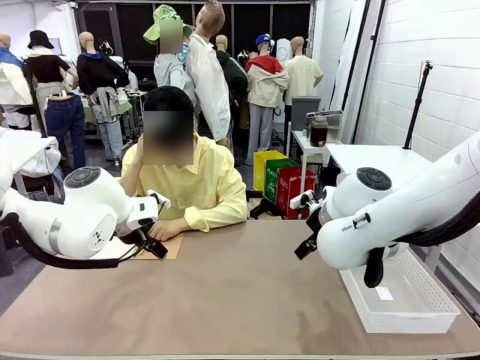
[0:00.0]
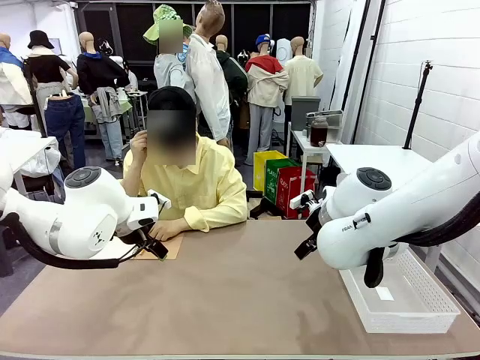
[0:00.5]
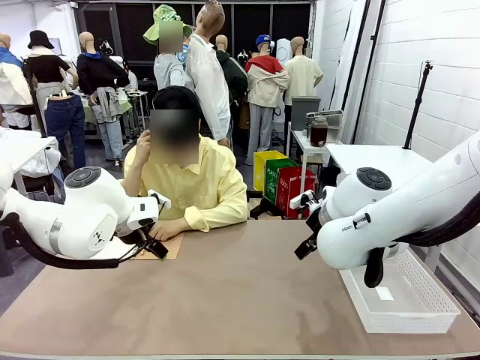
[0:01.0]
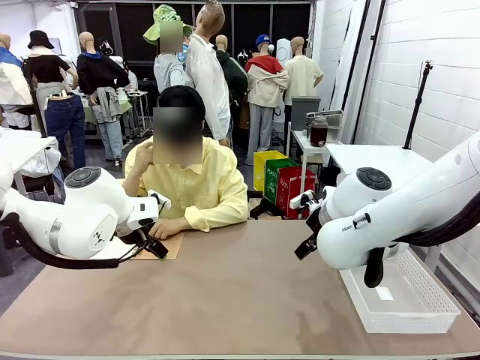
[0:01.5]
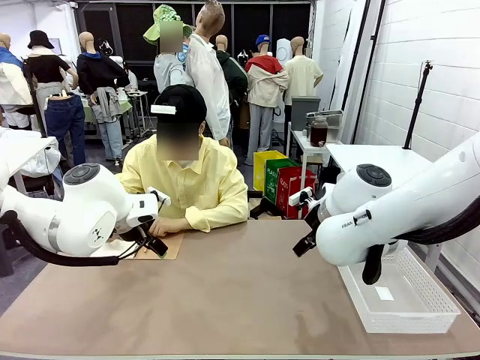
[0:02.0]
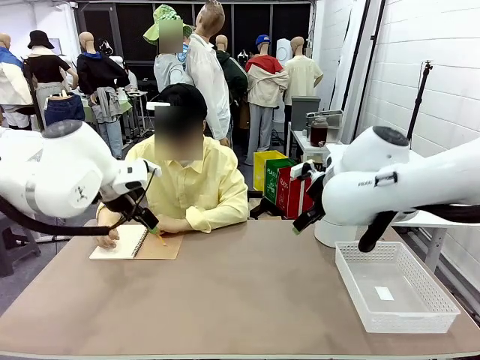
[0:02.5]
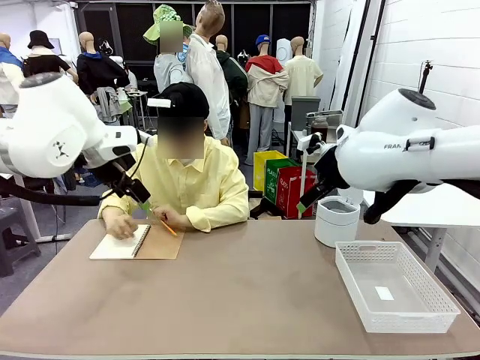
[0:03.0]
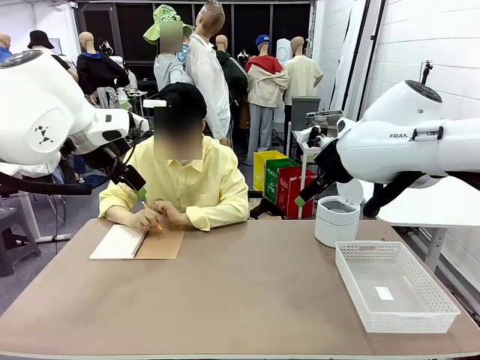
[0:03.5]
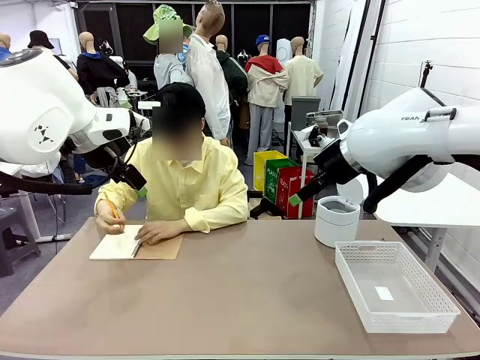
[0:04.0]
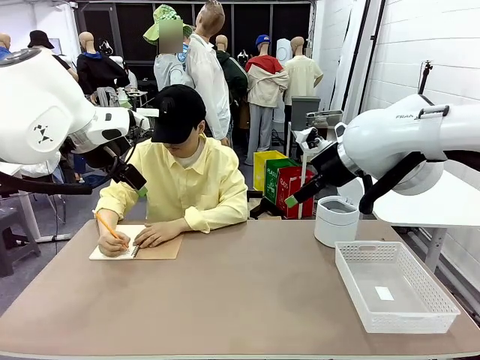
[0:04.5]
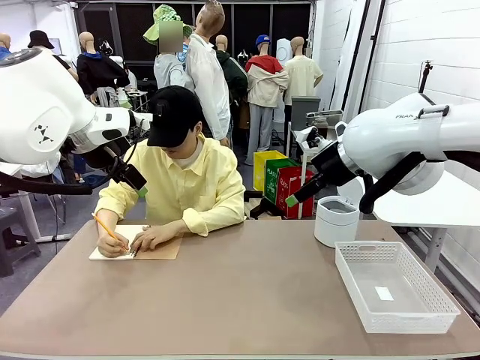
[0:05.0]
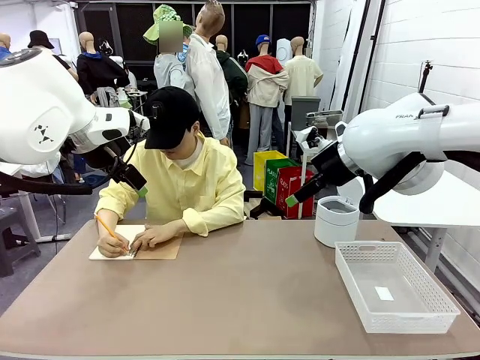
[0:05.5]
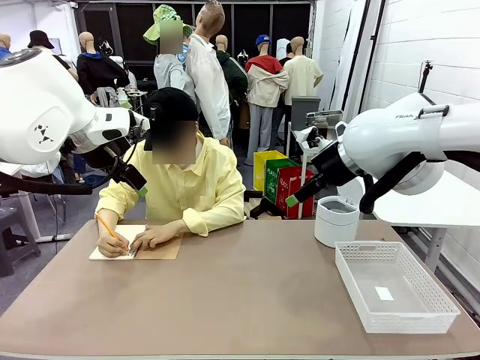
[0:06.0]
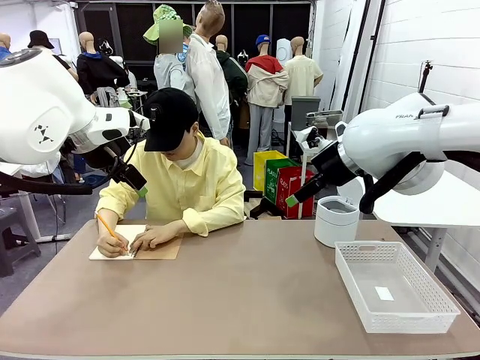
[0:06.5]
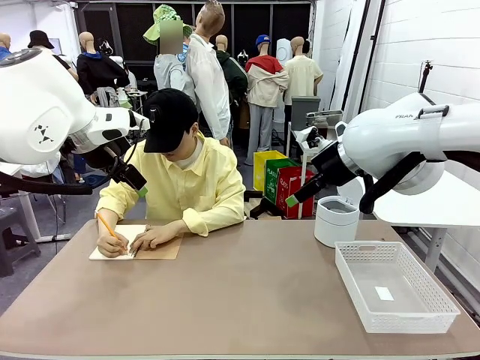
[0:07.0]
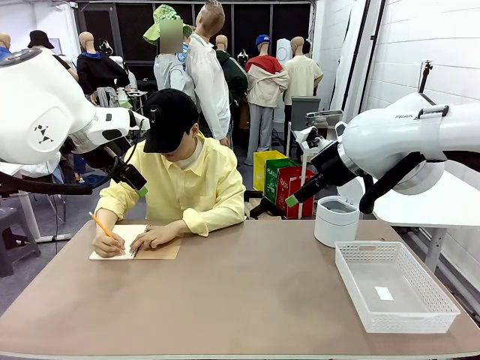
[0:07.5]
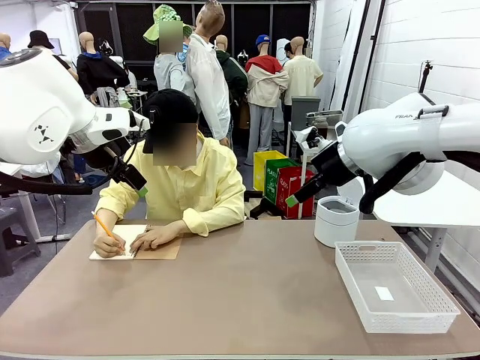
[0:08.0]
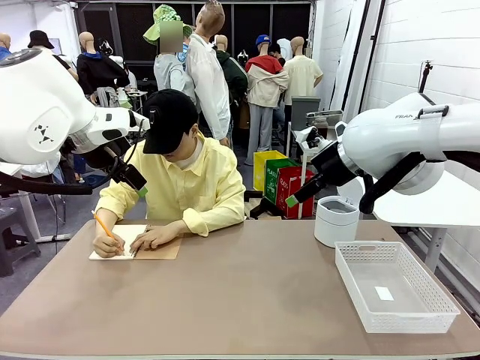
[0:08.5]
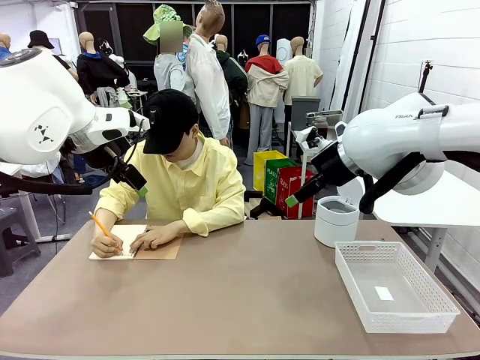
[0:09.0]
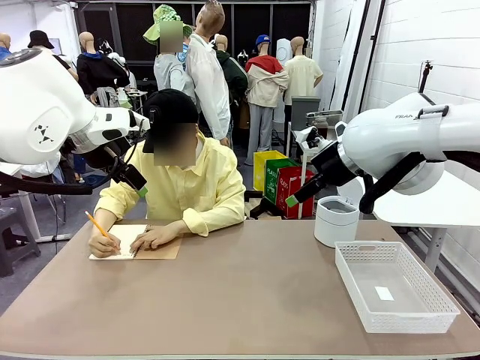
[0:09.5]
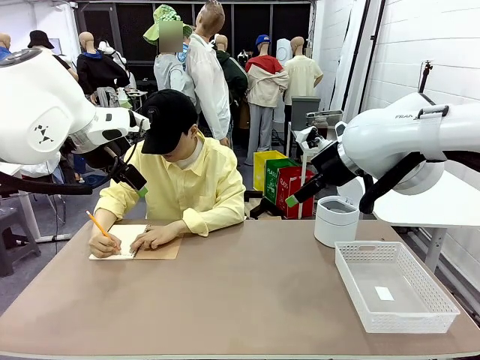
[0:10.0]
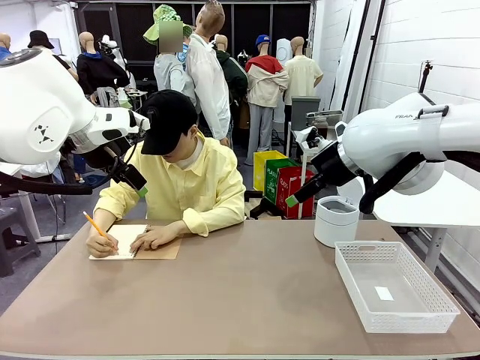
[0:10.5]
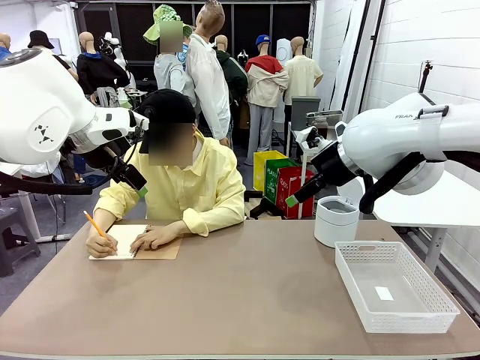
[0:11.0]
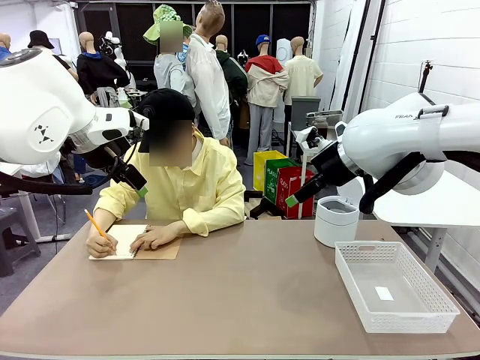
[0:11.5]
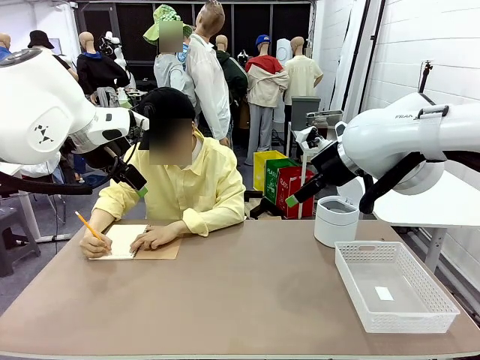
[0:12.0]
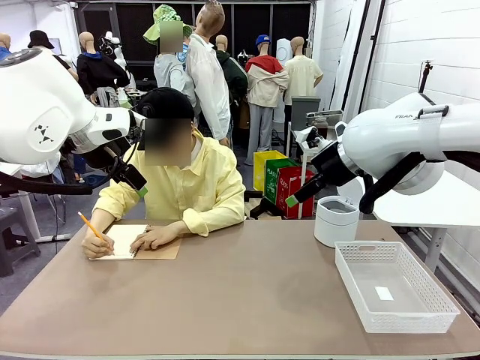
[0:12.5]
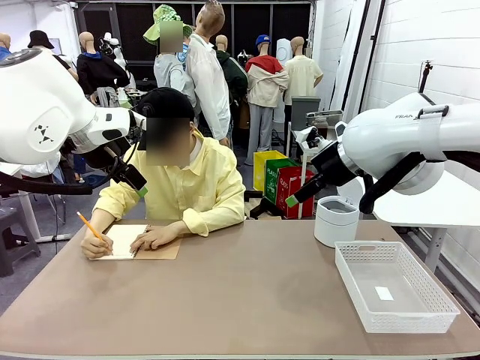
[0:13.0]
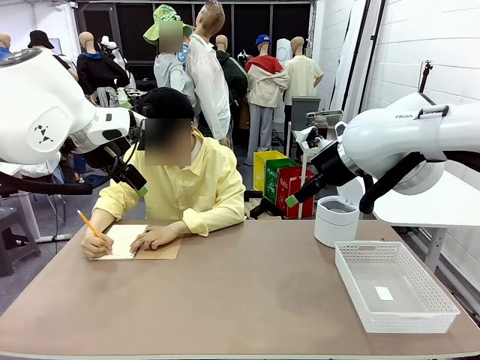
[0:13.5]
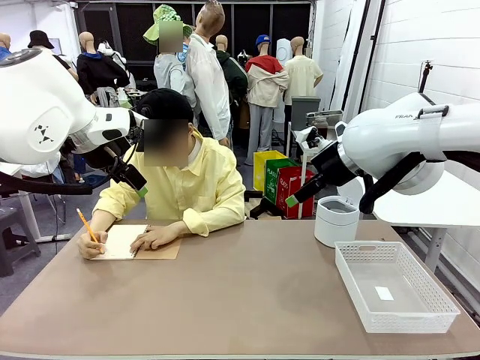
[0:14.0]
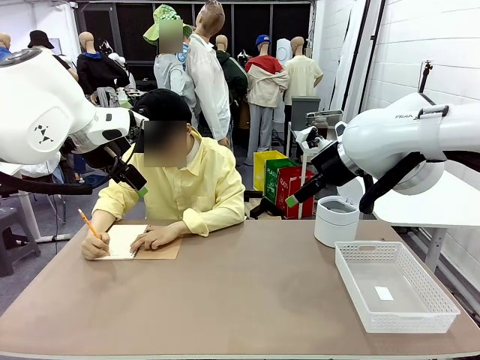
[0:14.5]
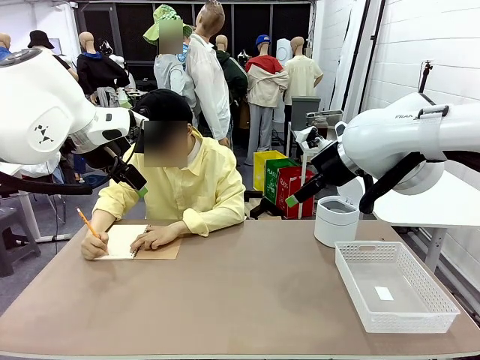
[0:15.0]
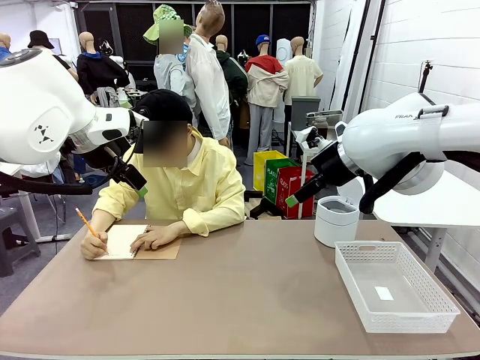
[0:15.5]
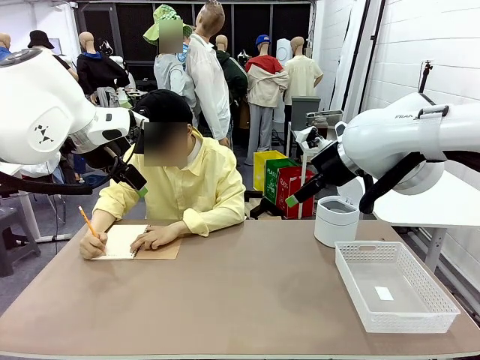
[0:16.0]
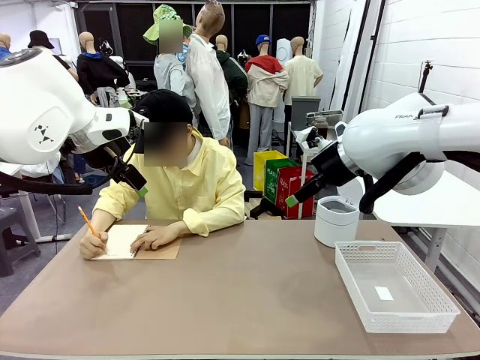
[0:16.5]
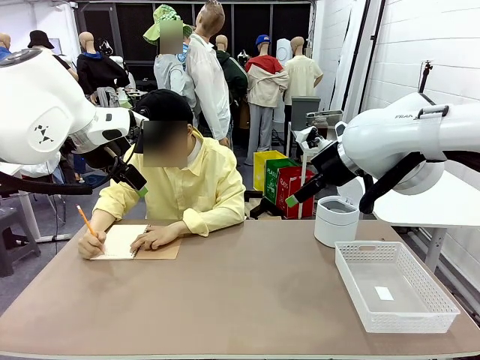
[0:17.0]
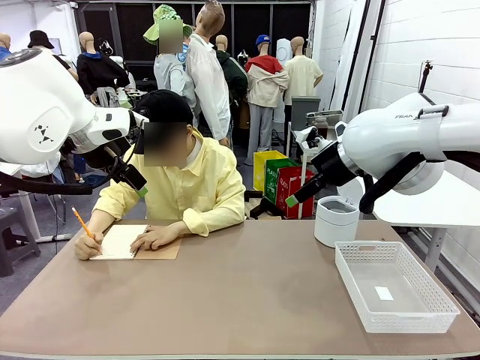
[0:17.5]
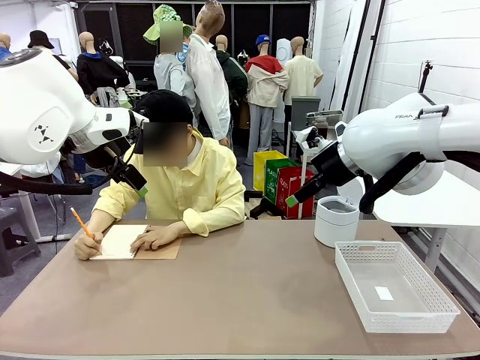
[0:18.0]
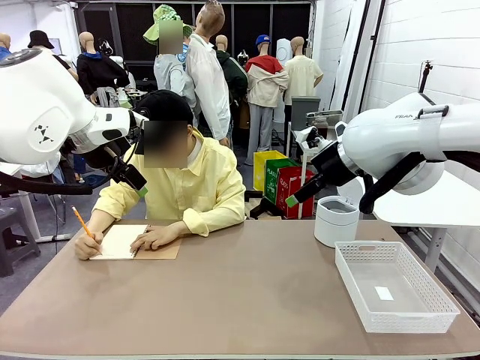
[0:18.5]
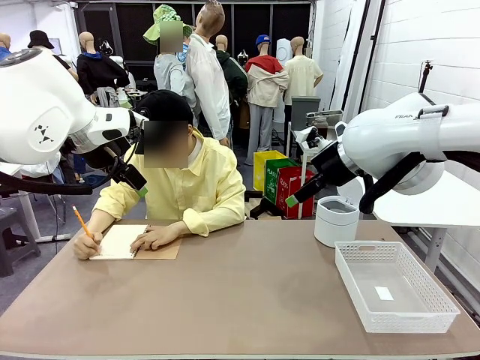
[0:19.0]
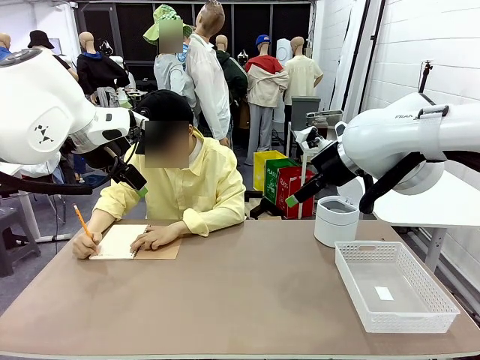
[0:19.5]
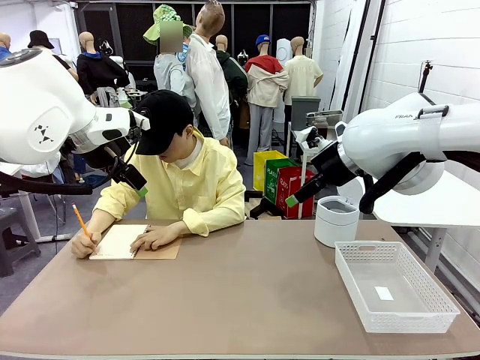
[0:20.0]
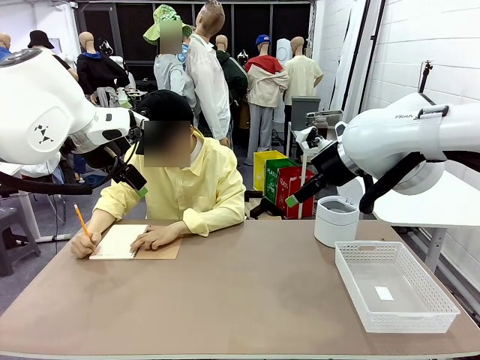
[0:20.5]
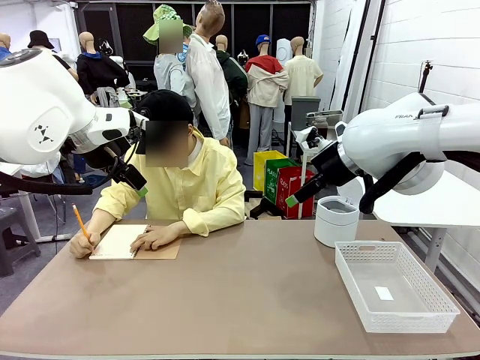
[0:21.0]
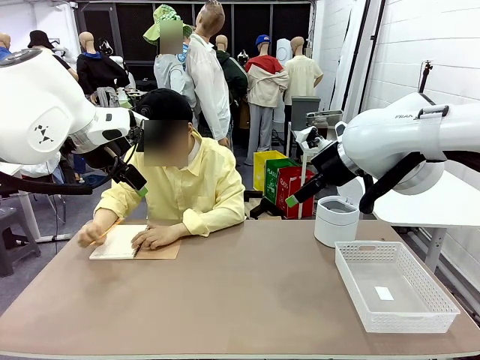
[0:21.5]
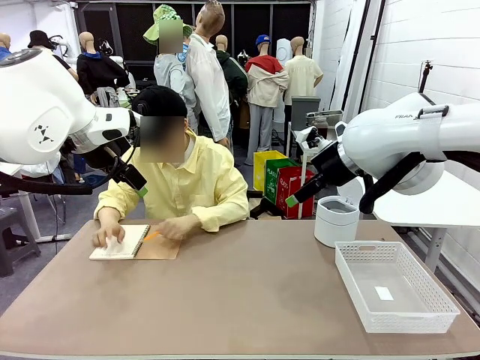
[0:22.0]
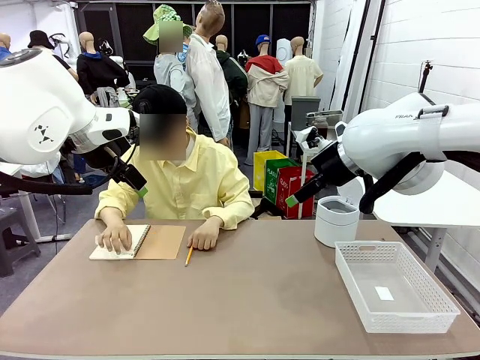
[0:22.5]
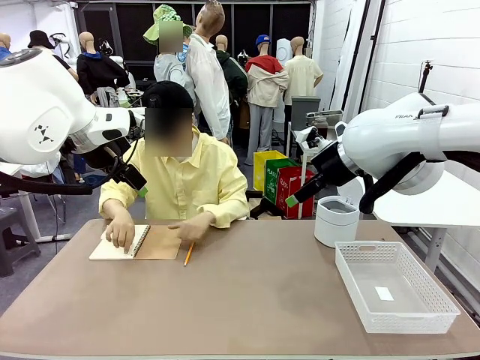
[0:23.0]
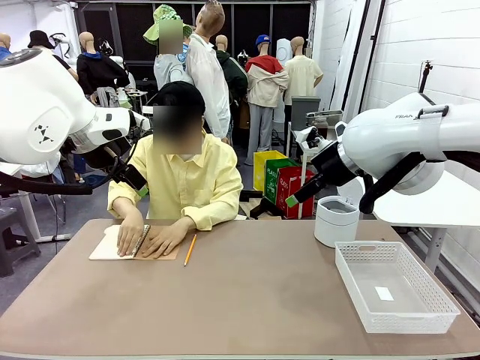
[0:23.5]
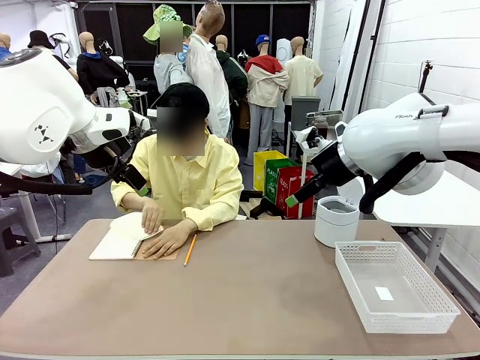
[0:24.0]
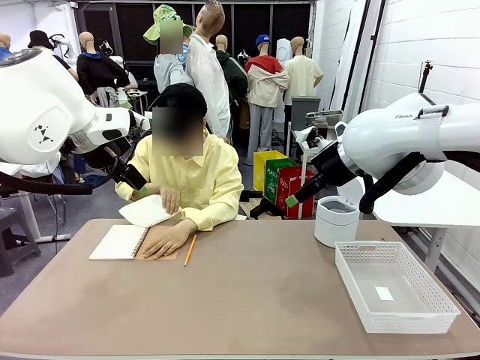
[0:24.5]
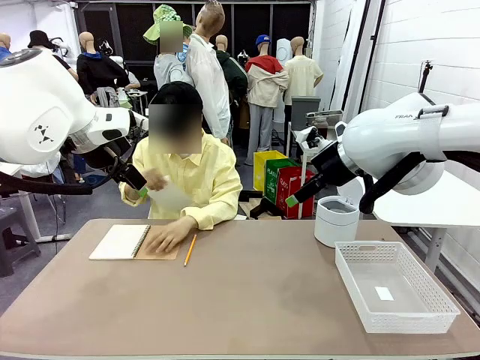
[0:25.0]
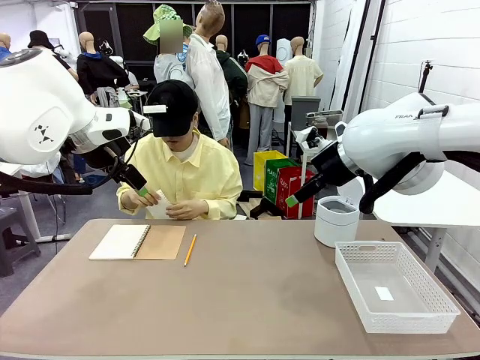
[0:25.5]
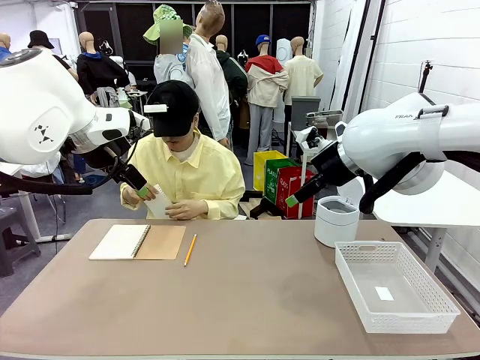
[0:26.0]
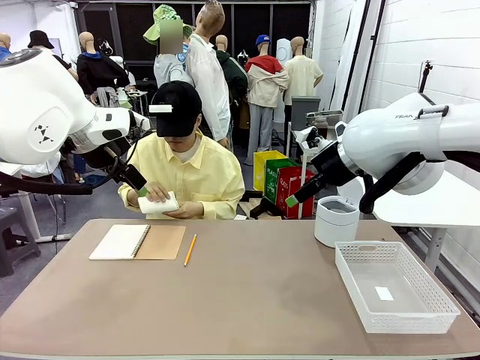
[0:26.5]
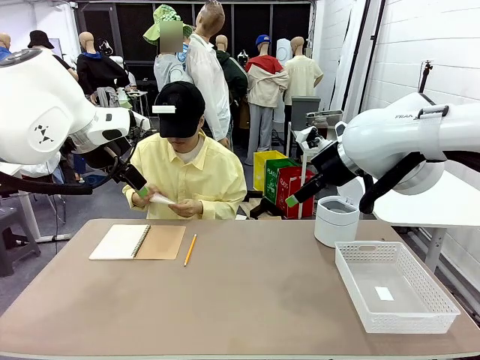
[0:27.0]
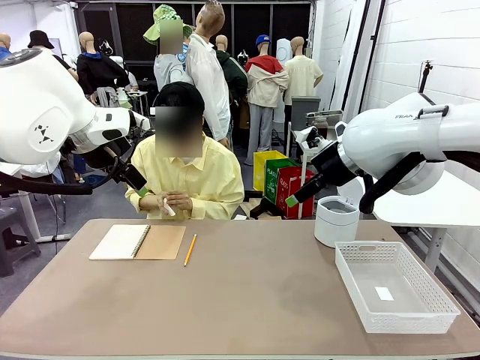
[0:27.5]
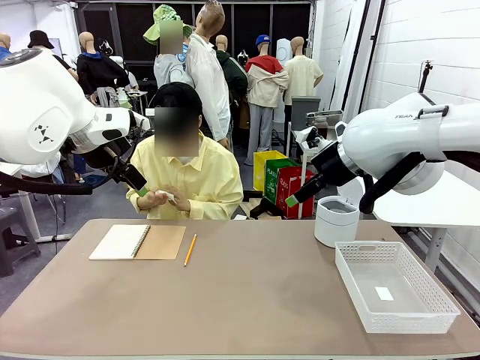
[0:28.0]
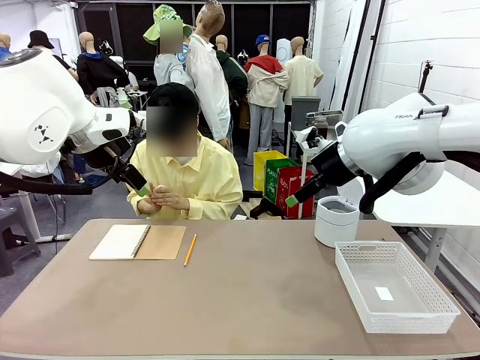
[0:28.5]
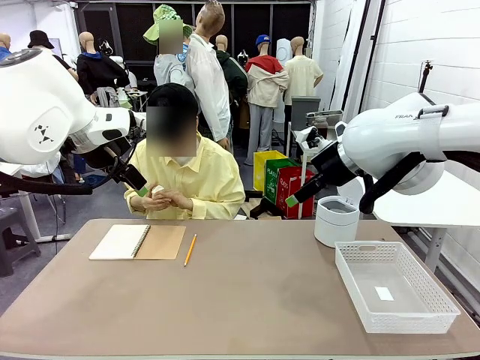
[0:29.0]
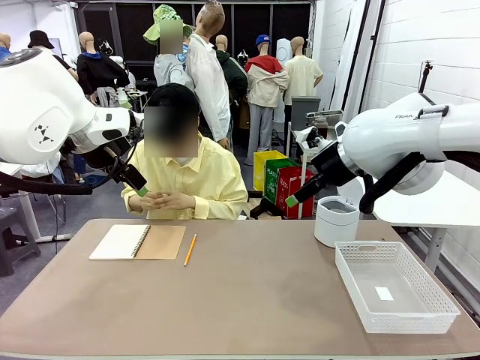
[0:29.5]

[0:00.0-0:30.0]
Task: Sort the paper based on its condition.
Robot: If a person hands you a paper, place it in the Organizing basket , and if it's crumpled, put it in the Trash can.
Person: Tear out a page from the spiral notebook. Hand the torn page to the robot or crumple it and throw it to the center of the table.
